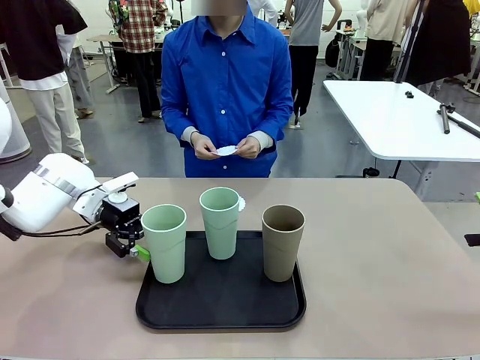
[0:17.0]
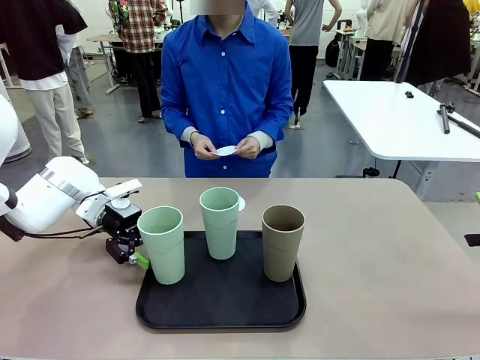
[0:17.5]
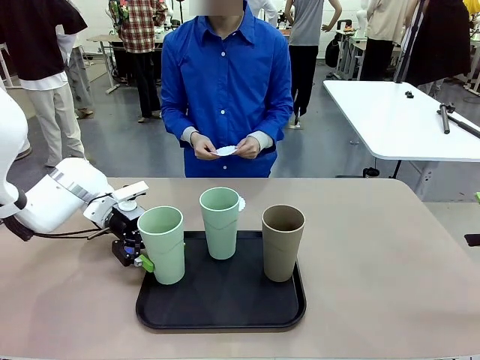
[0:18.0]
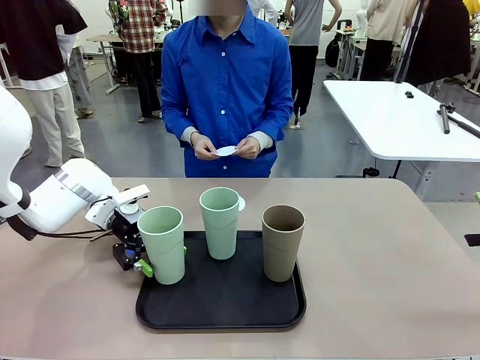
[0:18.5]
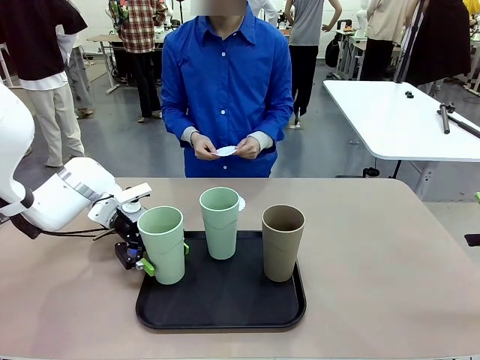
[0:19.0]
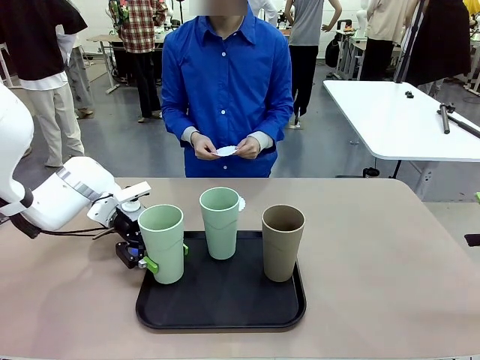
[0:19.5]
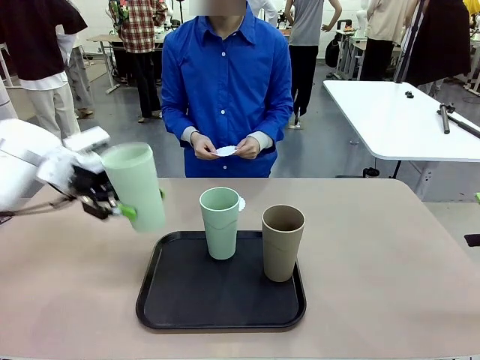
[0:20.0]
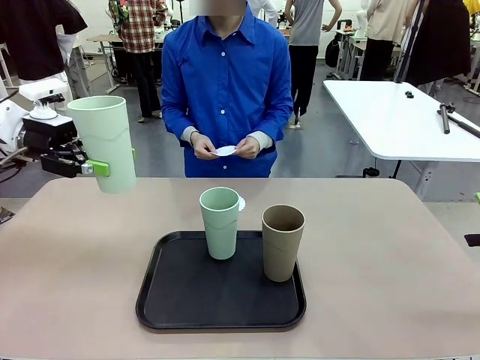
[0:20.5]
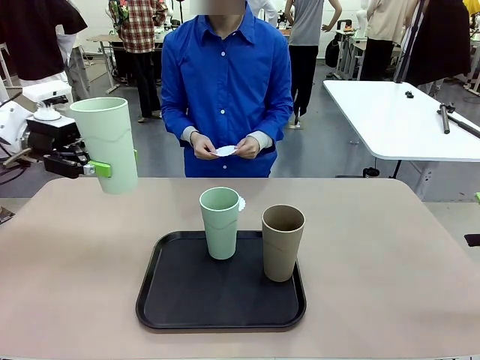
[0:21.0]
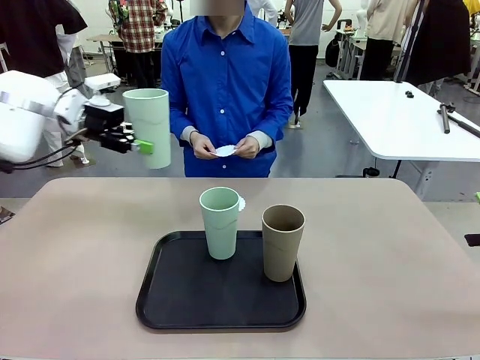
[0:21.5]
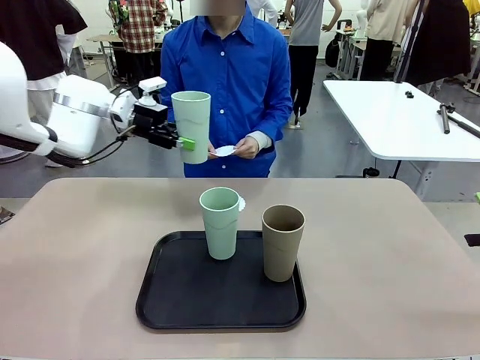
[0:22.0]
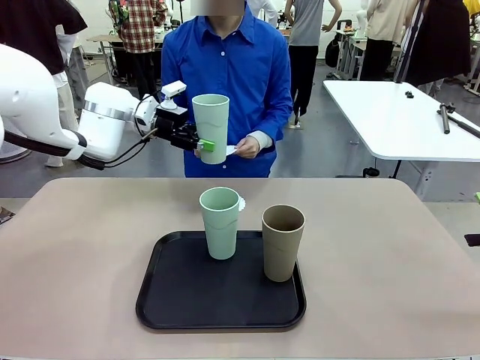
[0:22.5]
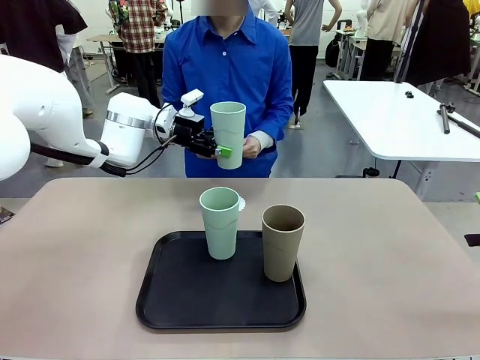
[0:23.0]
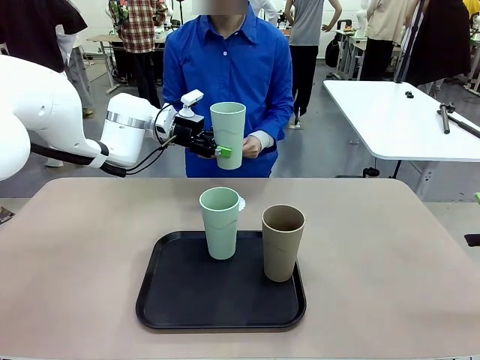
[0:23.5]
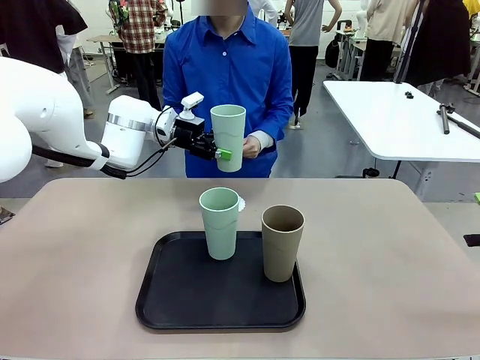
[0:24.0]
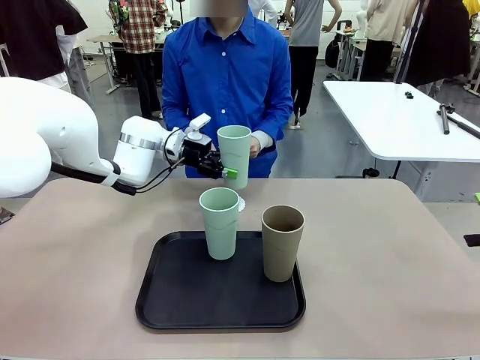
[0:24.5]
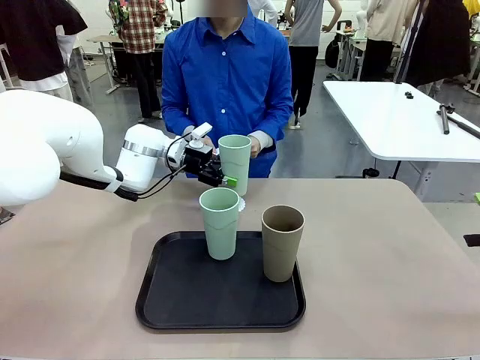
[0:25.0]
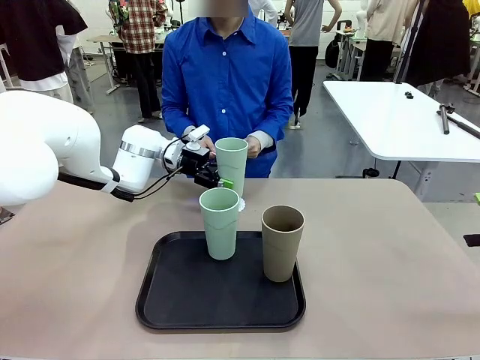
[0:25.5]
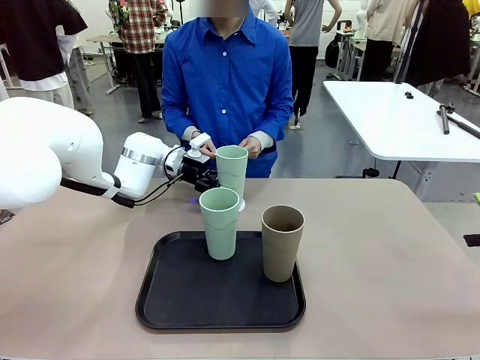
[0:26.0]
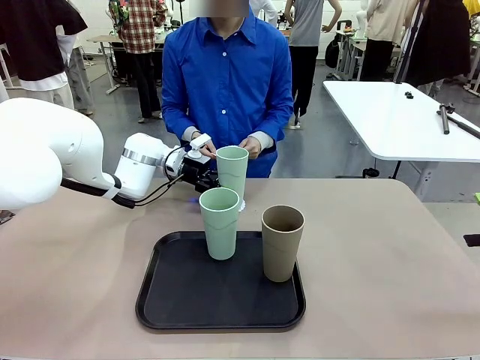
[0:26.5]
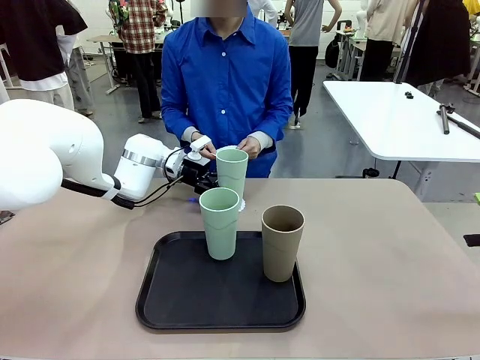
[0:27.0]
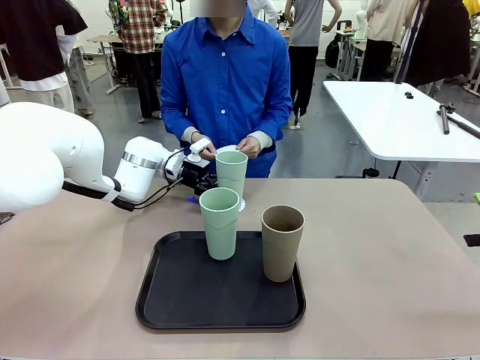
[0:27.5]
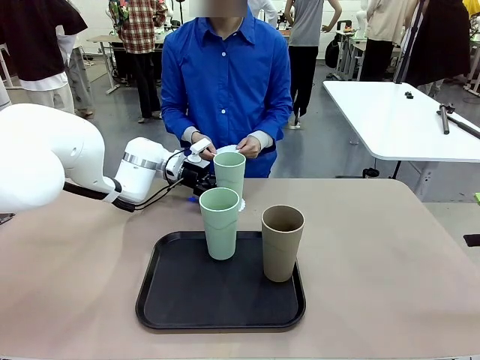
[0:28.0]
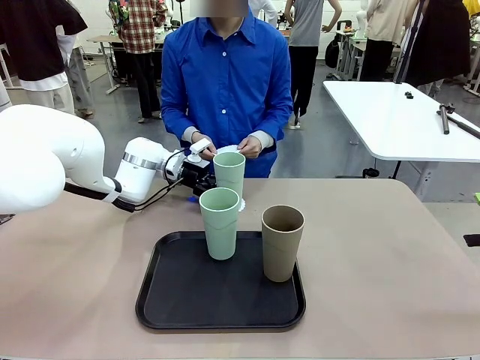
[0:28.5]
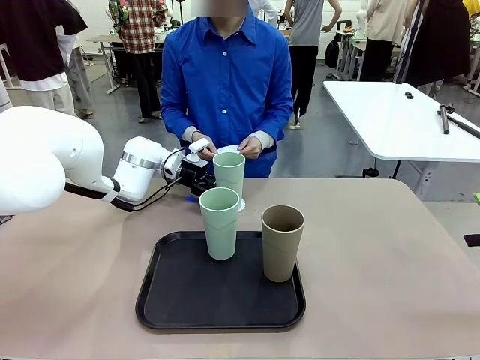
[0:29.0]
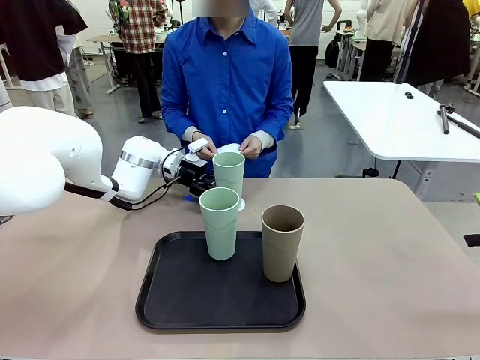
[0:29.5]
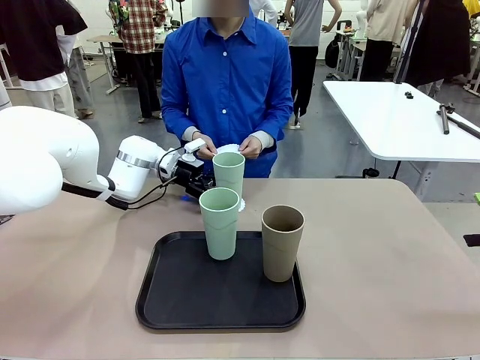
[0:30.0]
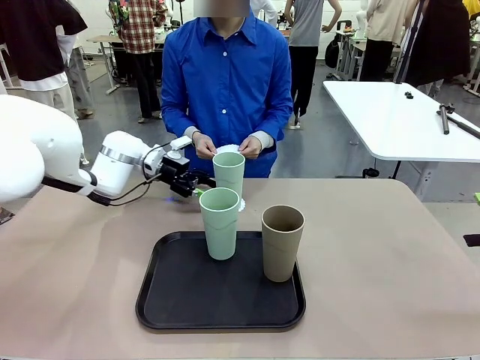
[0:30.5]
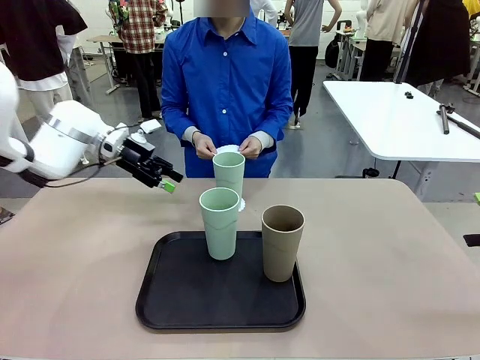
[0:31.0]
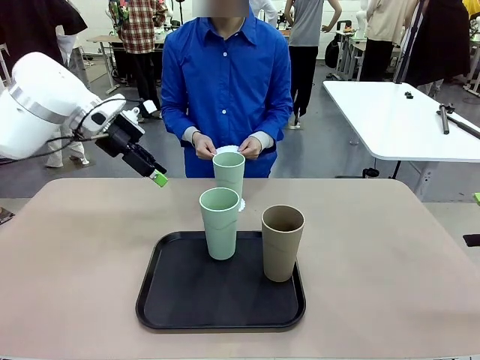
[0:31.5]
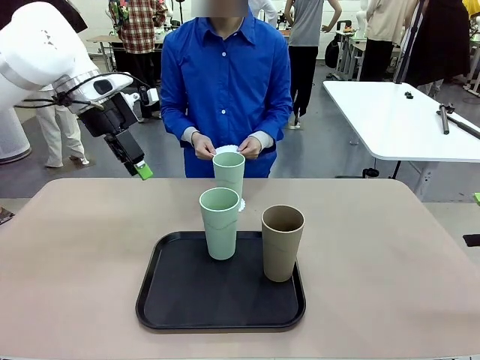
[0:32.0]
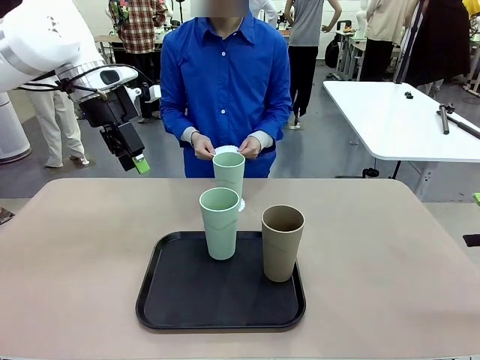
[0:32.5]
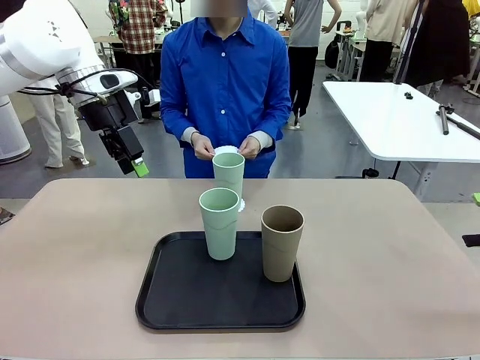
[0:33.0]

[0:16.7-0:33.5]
Task: Place coasters on the table and set cups on them.
Robot: Pick up one Reusable plastic cup and place it on a coaster set by the human.
Person: Place one coaster in one of the two areas excluding the previously selected area.

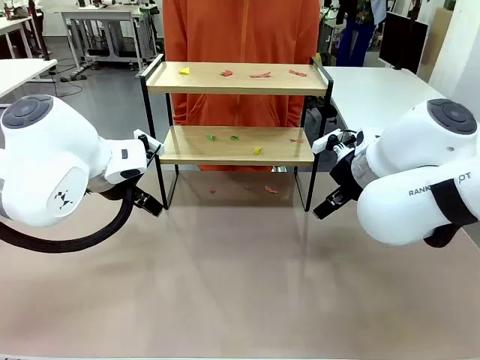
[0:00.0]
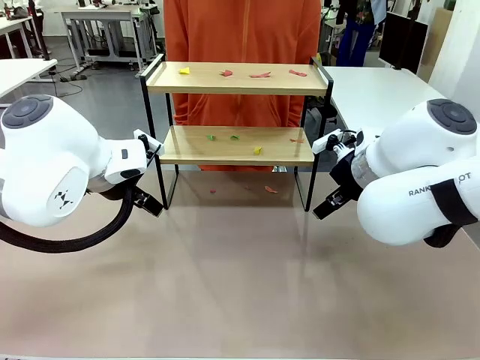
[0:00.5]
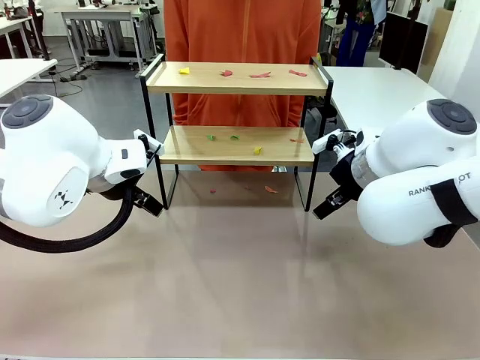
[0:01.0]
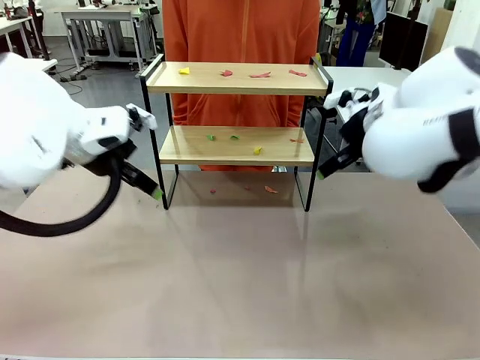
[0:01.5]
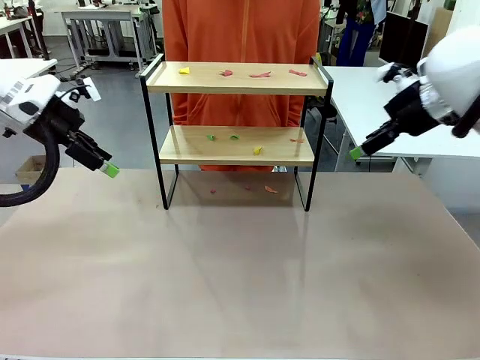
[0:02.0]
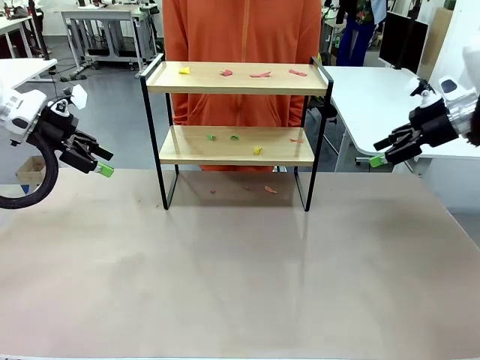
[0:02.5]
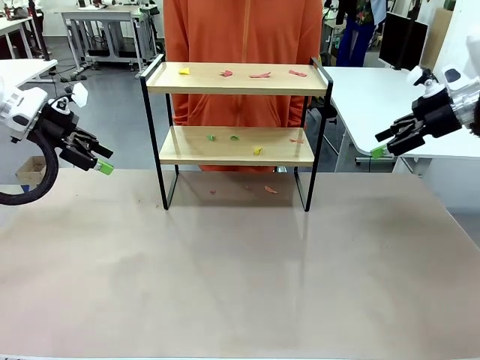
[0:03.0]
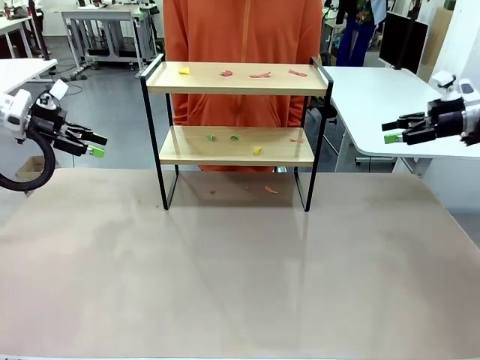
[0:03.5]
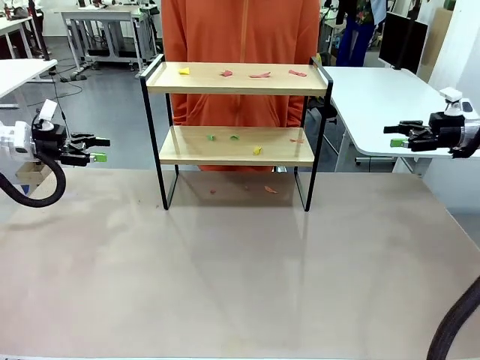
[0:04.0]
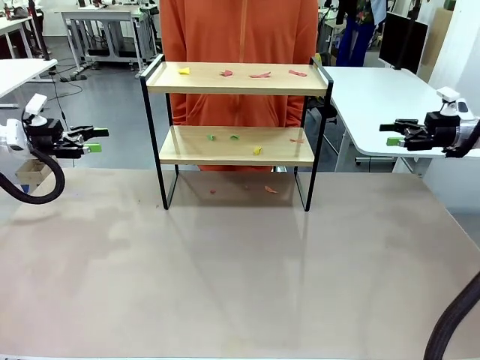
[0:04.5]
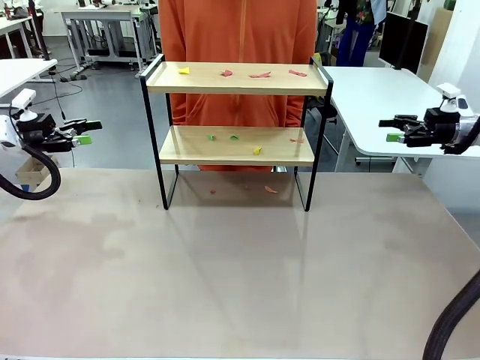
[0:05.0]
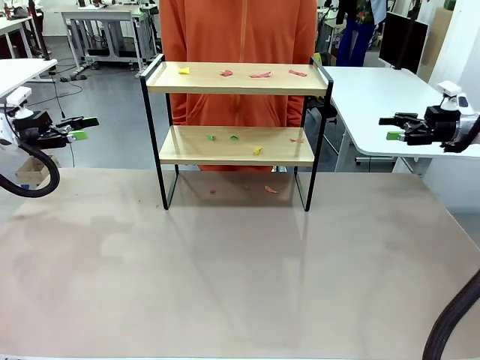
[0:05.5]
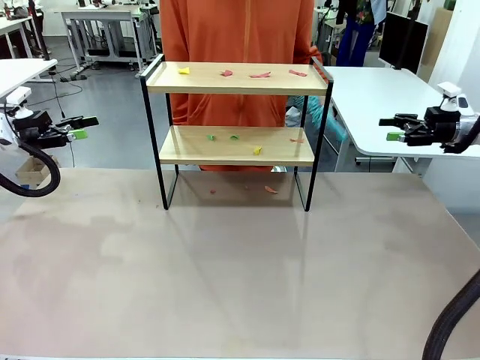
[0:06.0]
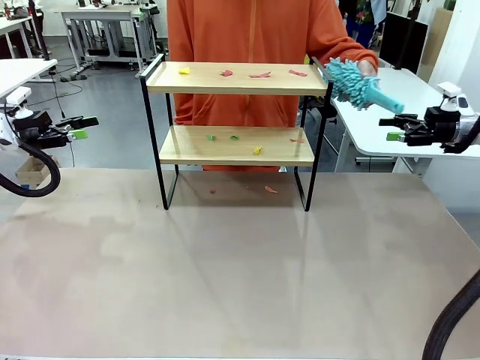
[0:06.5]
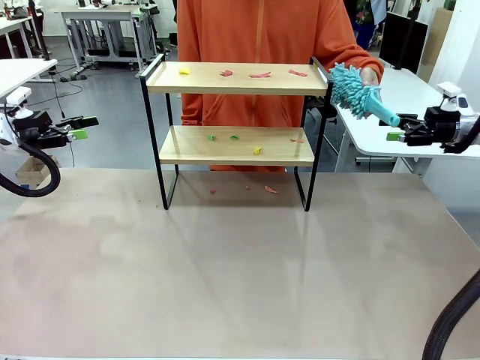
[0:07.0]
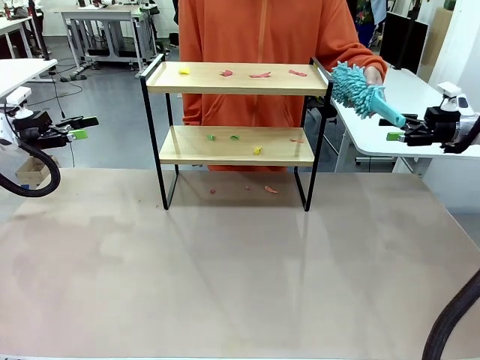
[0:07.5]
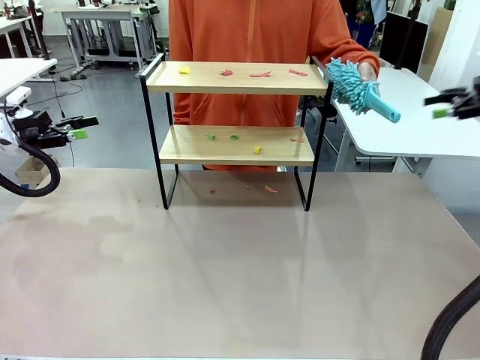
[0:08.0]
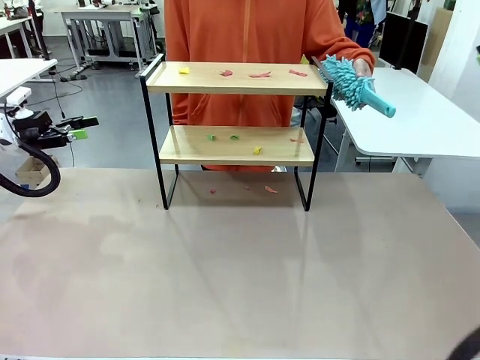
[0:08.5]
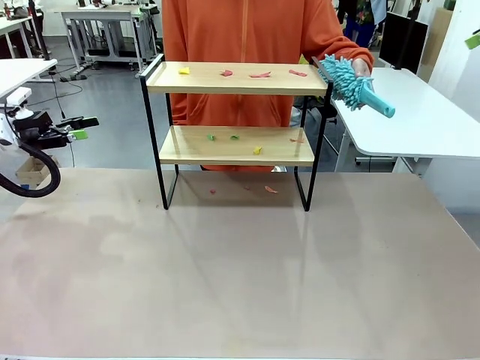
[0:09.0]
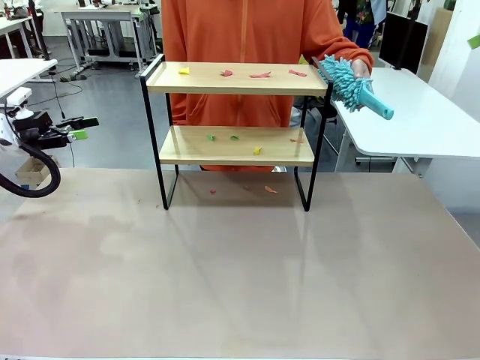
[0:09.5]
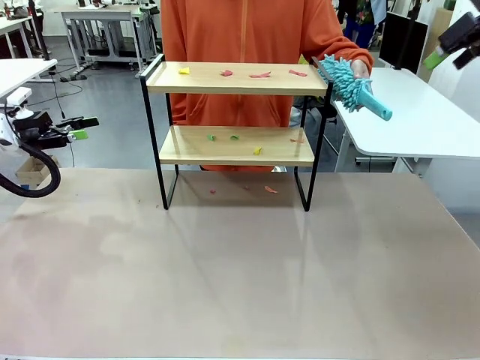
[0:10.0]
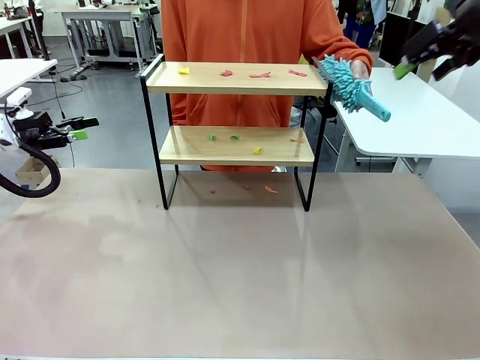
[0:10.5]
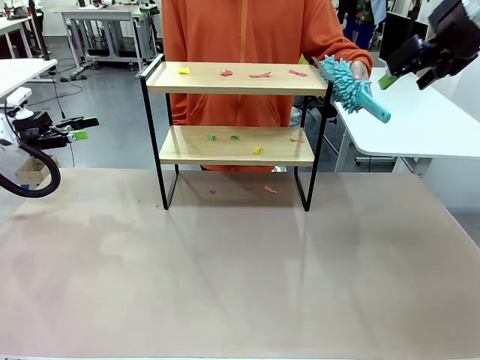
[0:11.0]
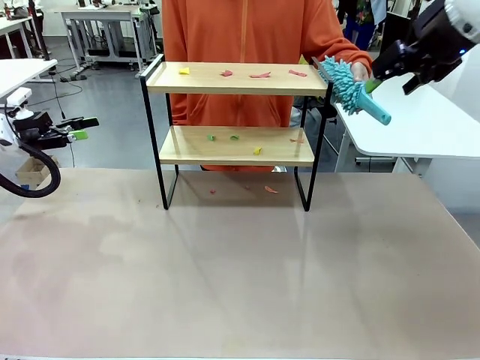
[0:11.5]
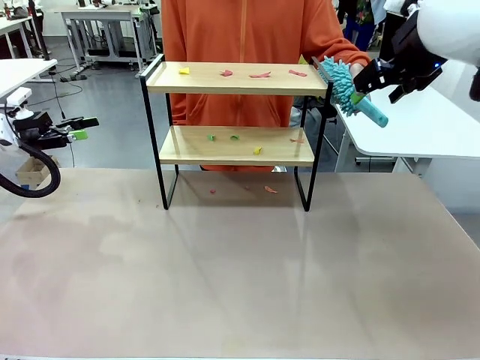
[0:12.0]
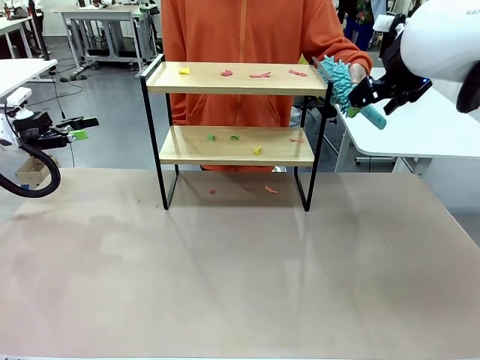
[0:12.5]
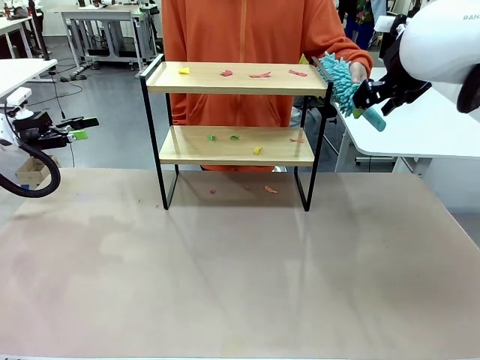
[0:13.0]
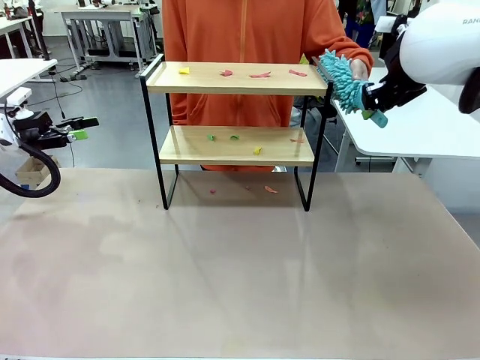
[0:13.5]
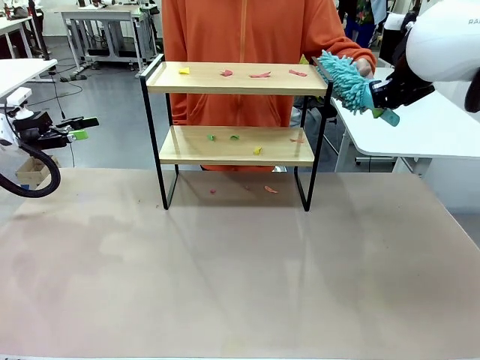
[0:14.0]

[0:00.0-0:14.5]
Task: Clean the shelf.
Robot: Pick up the Duster handed by the human.
Person: Hand the Duster to the robot.
